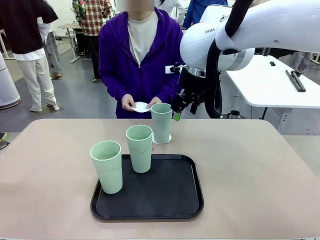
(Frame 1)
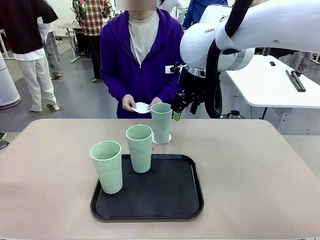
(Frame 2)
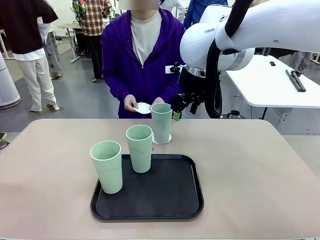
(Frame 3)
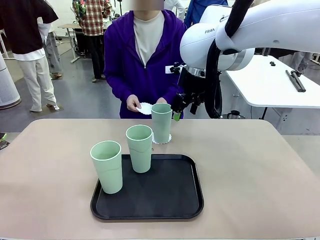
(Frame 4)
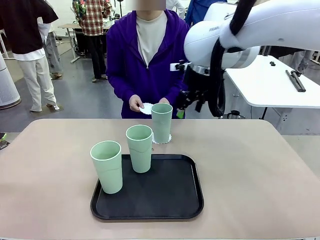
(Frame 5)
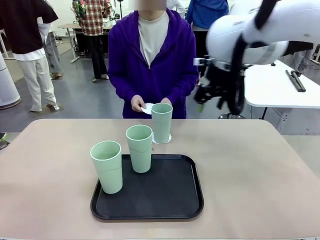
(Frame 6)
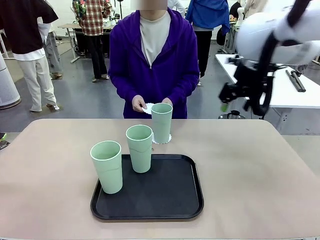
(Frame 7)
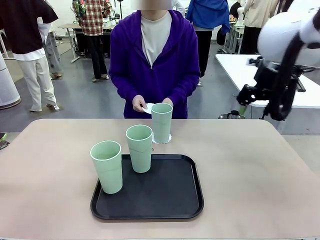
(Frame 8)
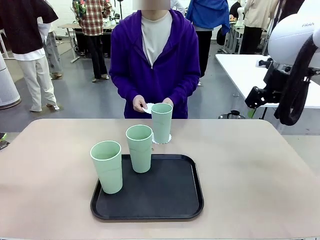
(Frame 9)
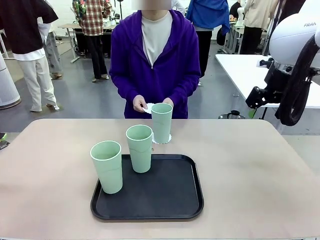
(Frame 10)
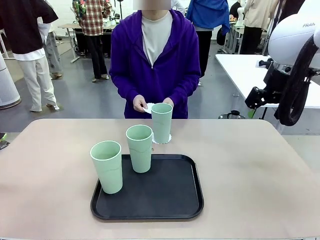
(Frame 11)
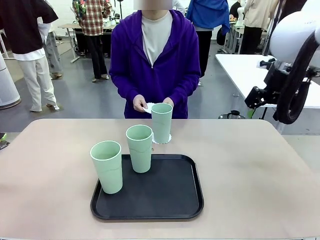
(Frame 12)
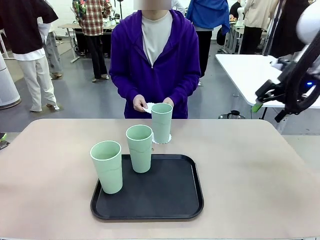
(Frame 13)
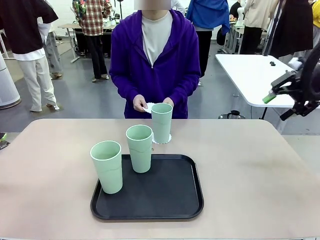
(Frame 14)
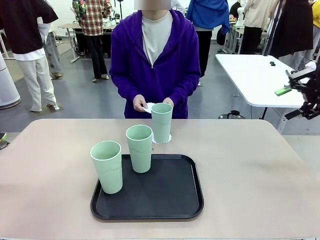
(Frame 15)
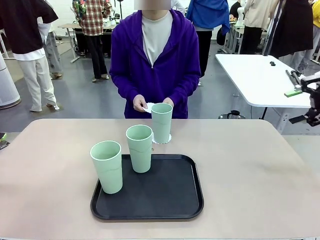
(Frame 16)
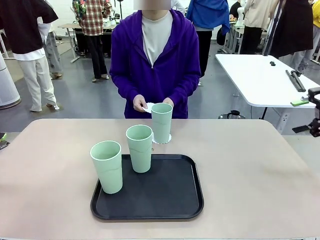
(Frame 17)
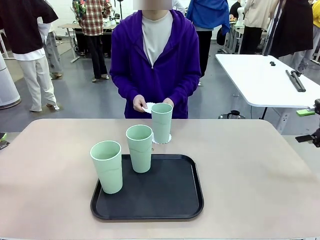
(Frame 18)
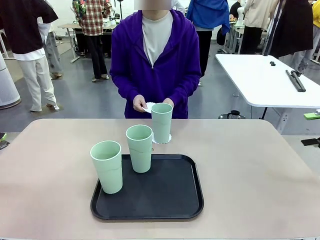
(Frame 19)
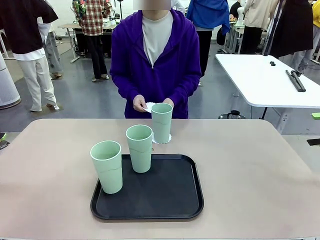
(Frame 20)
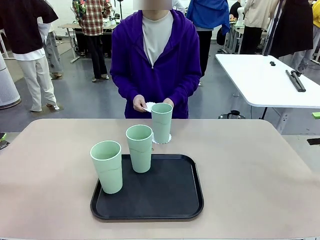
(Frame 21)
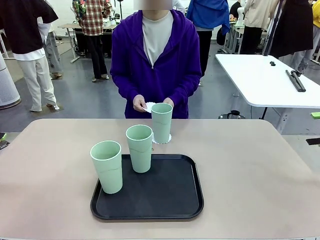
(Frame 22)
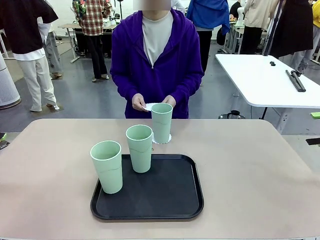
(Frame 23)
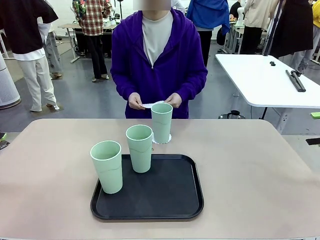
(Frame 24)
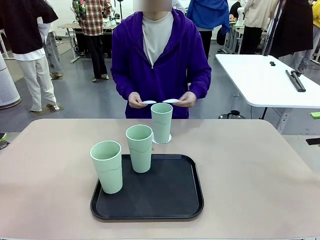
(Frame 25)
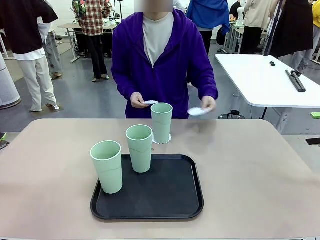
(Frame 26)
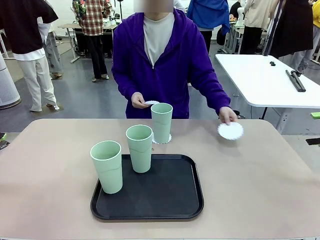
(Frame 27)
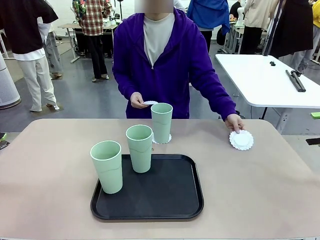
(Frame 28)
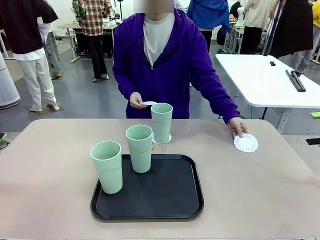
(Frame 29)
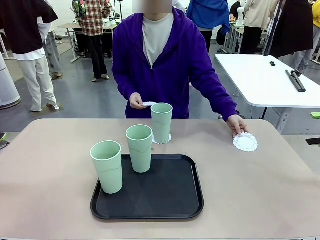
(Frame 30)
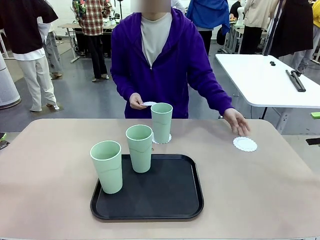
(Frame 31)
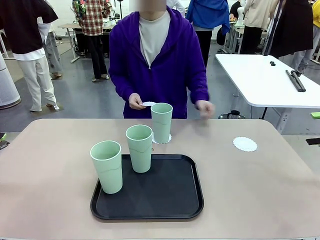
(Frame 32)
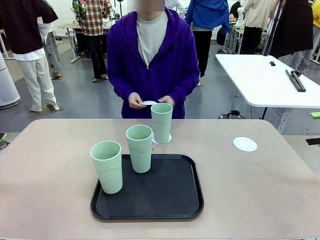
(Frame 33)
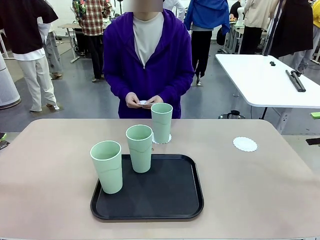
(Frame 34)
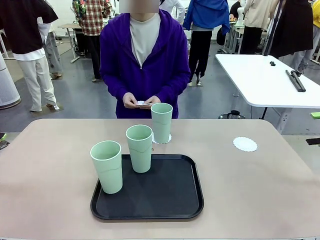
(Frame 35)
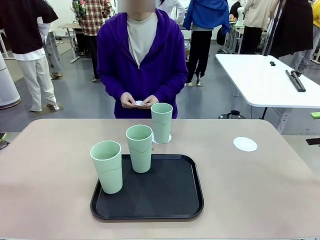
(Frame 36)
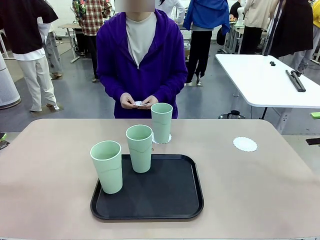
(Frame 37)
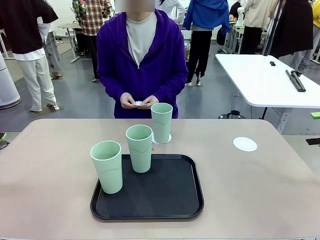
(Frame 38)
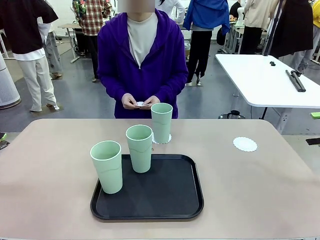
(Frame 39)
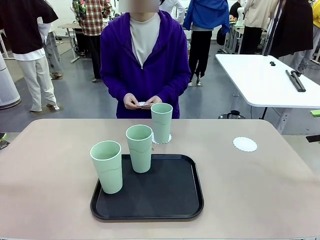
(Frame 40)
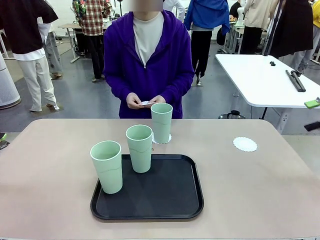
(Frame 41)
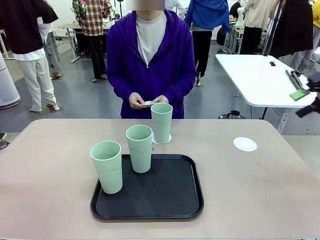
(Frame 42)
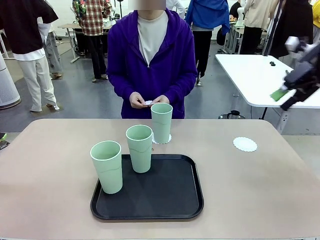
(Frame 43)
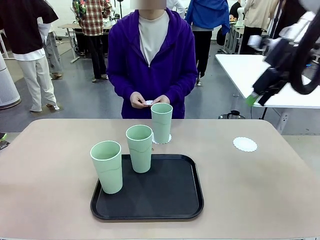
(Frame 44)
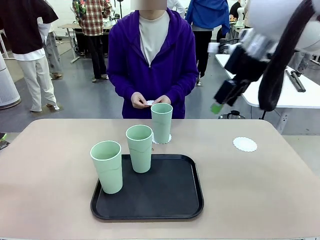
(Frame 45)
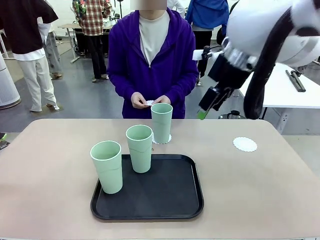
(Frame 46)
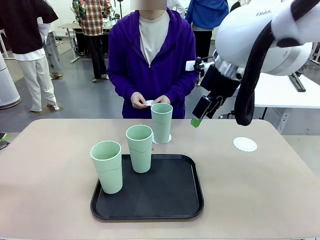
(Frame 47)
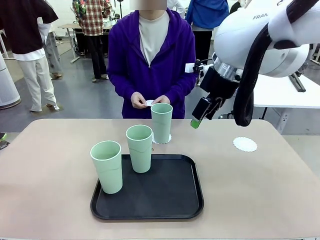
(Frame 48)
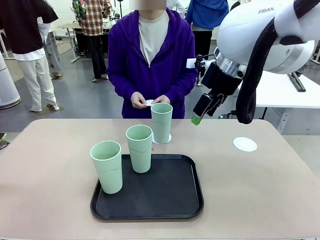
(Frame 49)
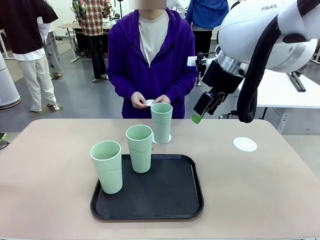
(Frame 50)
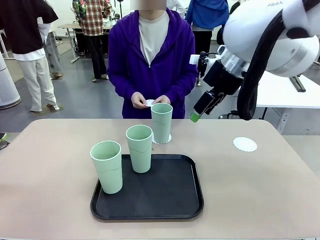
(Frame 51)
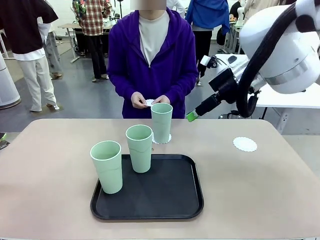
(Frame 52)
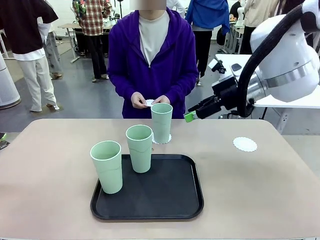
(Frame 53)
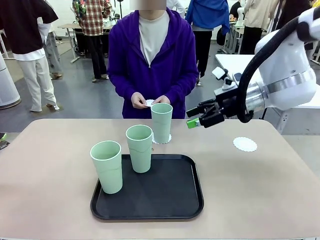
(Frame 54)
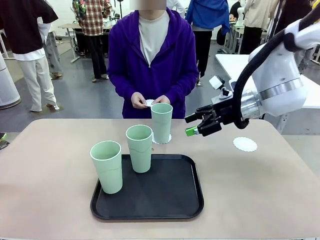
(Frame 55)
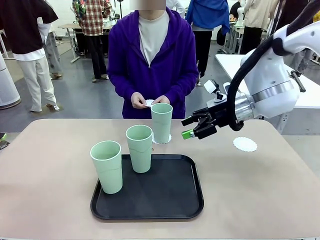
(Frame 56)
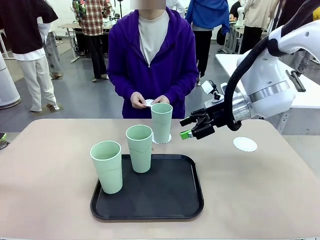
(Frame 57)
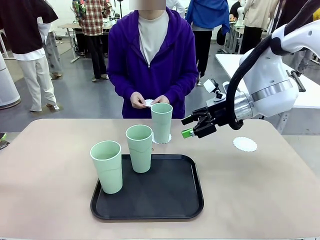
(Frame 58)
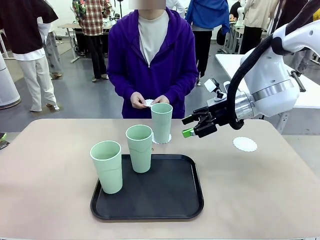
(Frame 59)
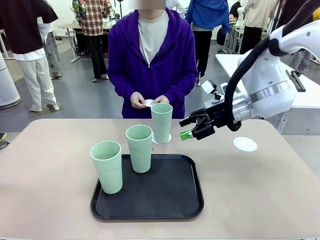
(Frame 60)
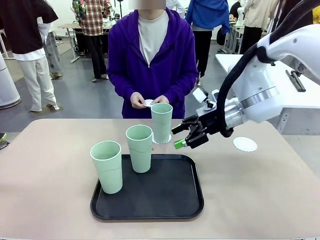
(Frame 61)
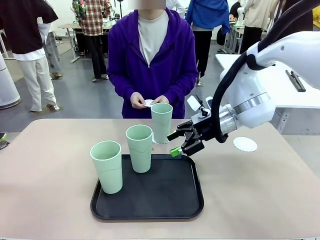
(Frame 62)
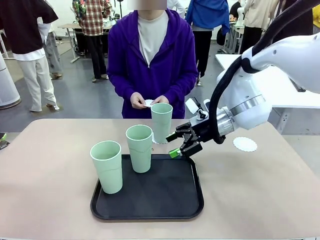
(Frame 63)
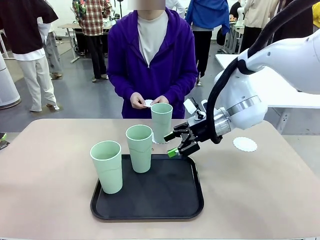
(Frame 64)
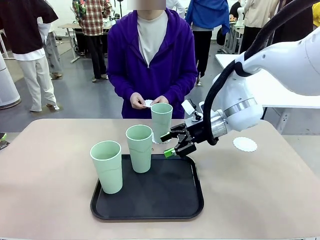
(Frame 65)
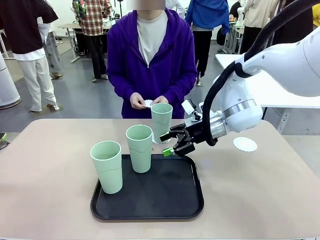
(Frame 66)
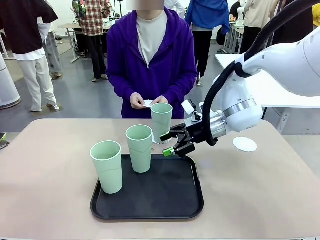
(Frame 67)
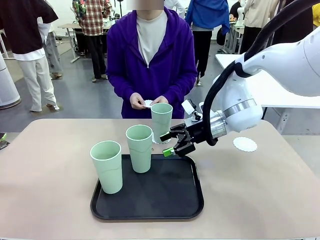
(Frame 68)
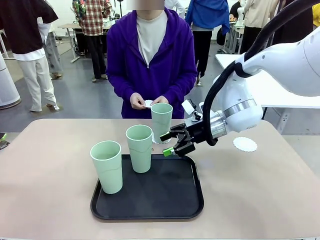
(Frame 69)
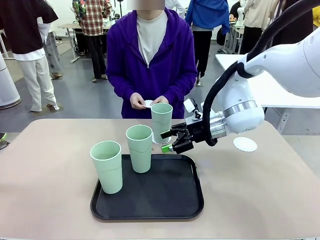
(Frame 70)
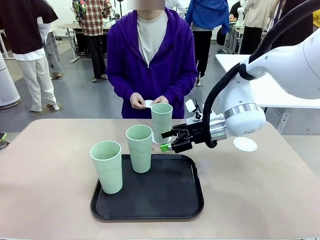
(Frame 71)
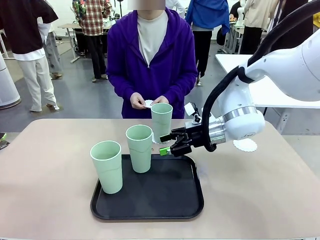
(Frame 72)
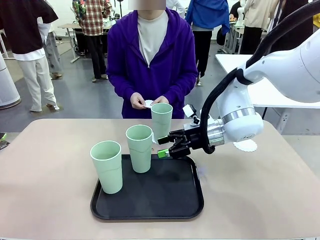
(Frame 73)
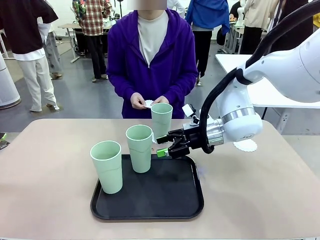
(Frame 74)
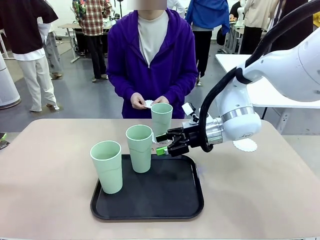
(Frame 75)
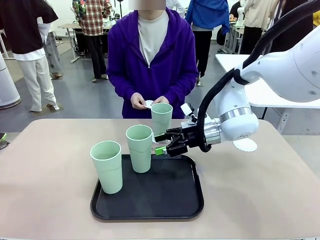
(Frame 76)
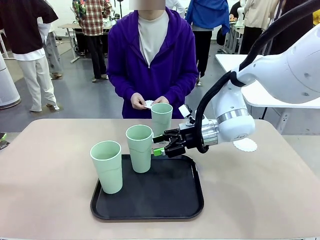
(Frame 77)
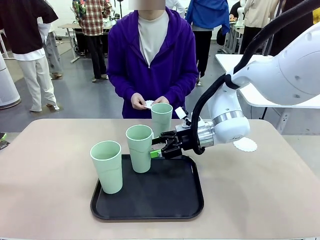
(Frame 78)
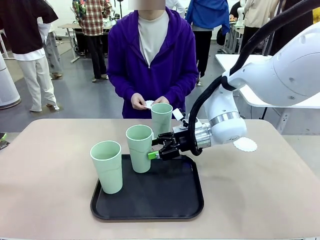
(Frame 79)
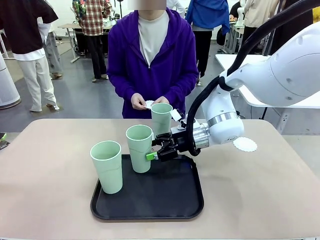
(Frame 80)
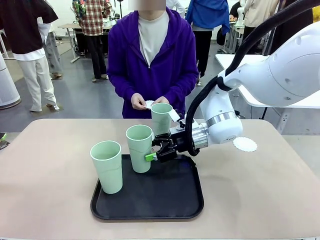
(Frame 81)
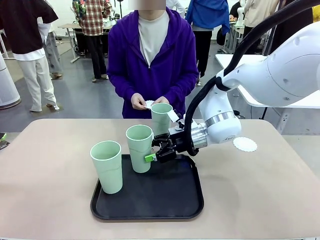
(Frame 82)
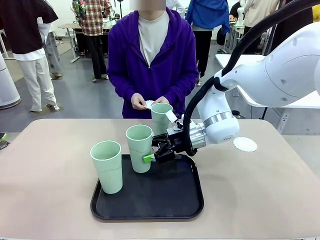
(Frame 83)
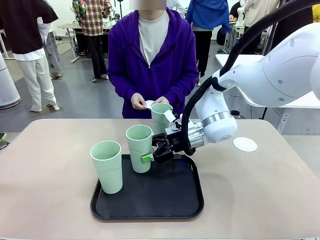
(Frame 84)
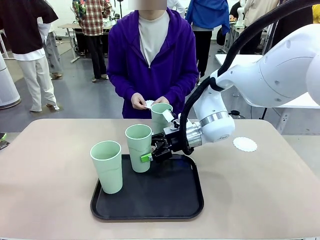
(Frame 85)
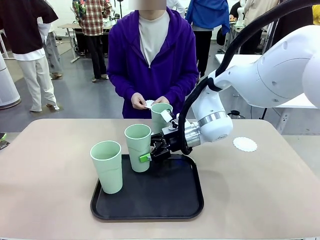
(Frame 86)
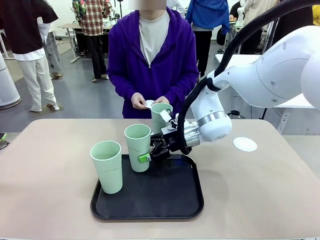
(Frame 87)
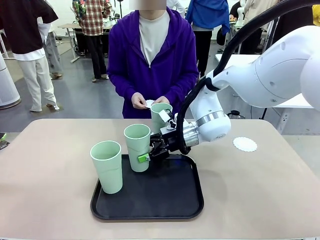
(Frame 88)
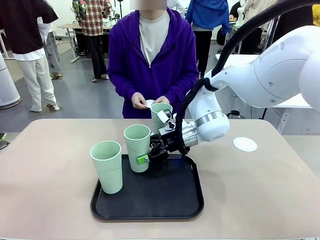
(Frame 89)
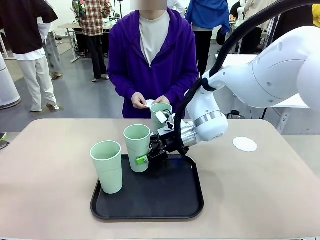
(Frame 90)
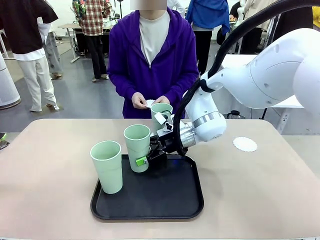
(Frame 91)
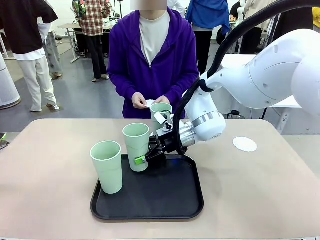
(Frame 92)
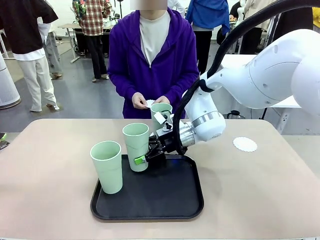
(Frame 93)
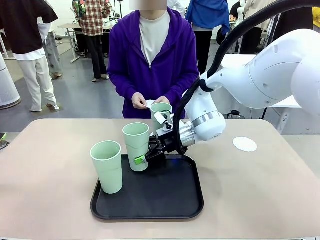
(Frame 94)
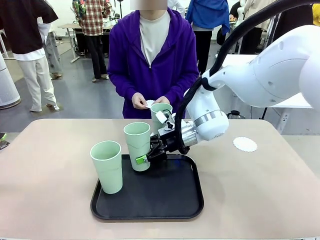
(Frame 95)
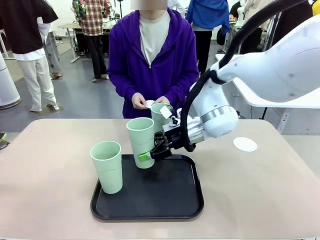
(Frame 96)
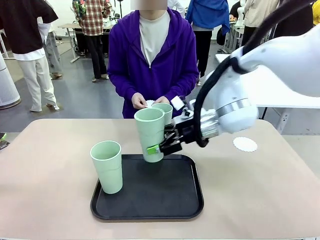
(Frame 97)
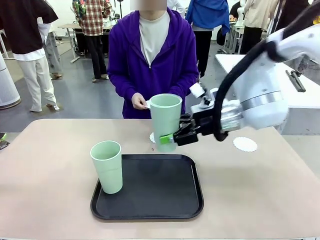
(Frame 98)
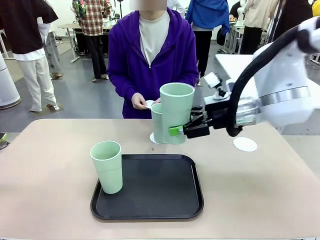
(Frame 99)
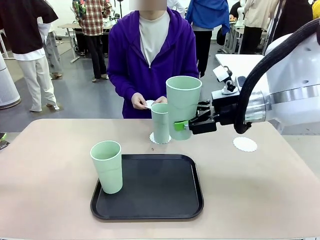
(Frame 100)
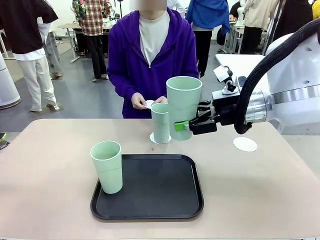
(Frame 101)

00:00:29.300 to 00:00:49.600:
Task: Place coasters on the table and set cups on them.
Robot: Take one Reusable plastic cup from the Flat Tray and place it on a coaster set by the human.
